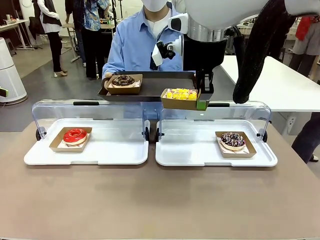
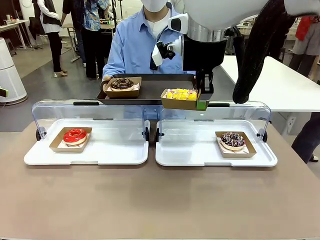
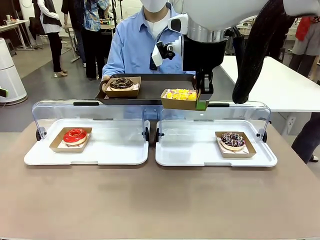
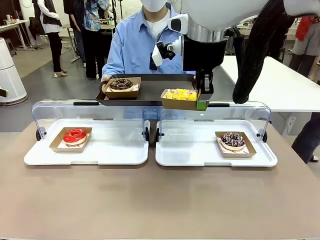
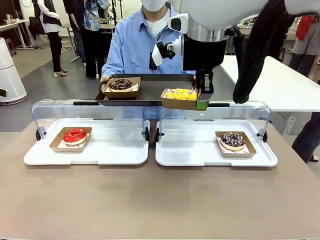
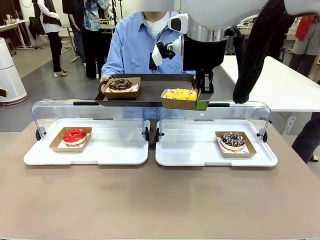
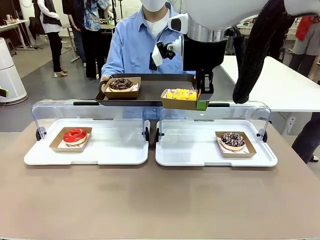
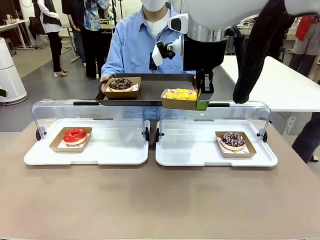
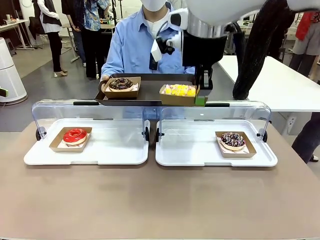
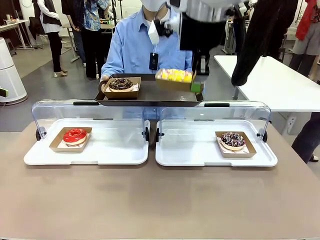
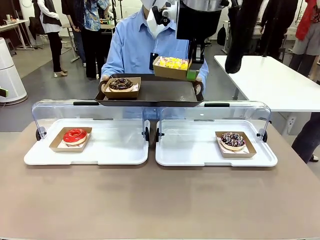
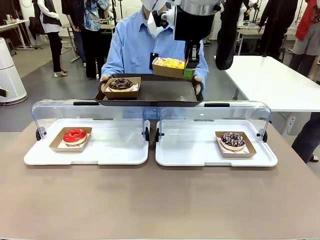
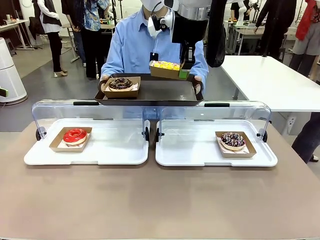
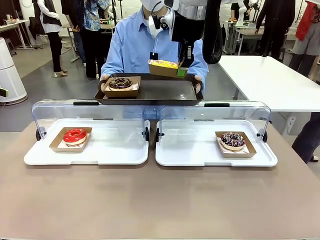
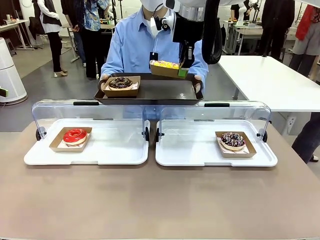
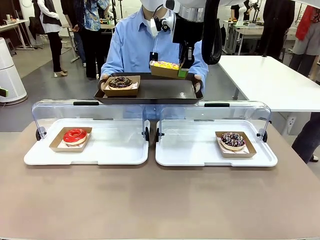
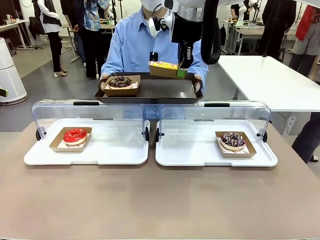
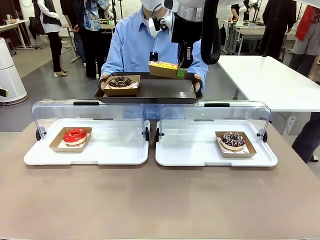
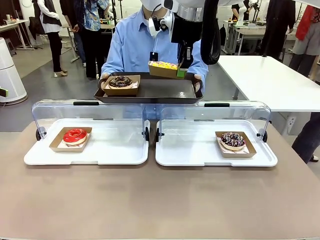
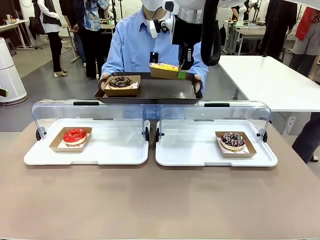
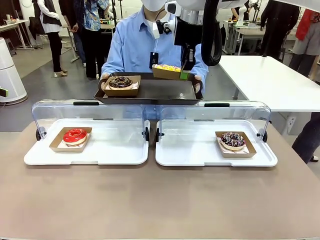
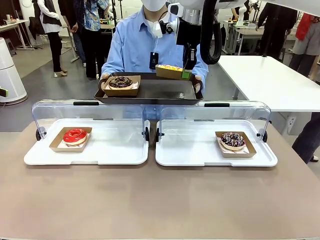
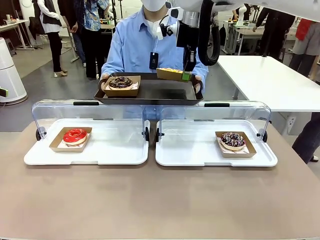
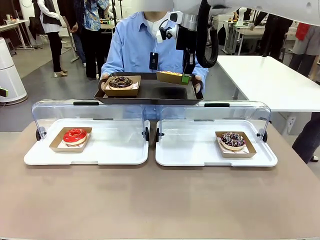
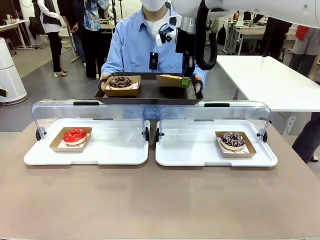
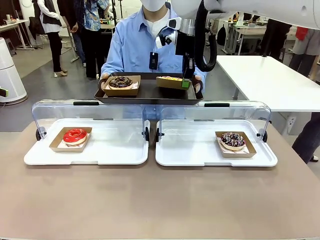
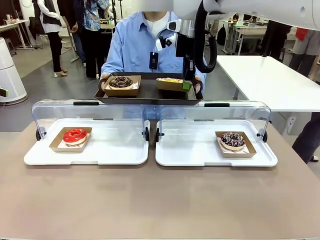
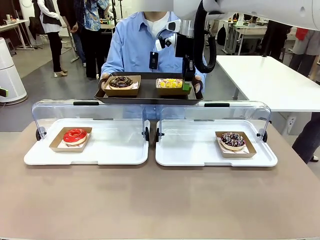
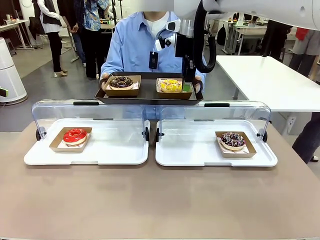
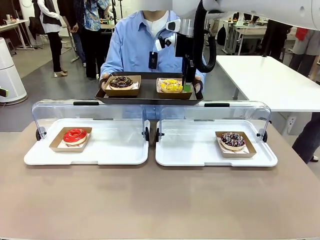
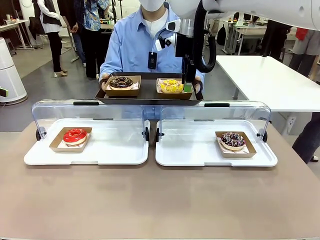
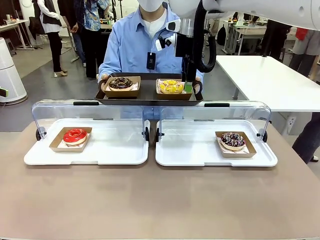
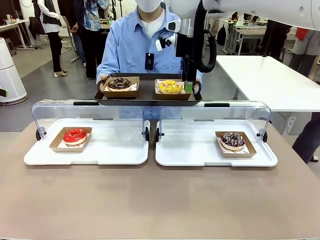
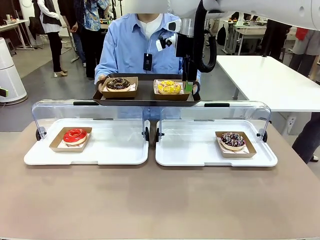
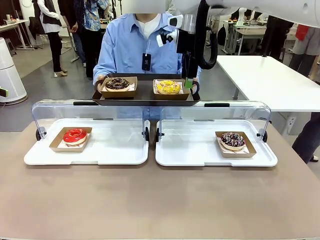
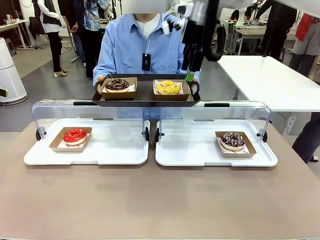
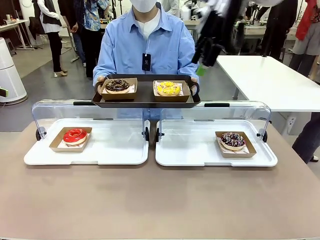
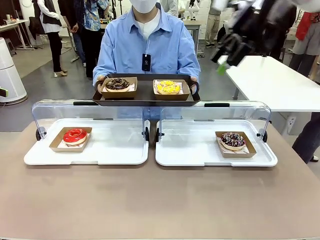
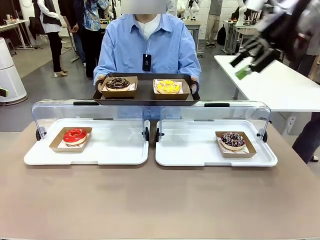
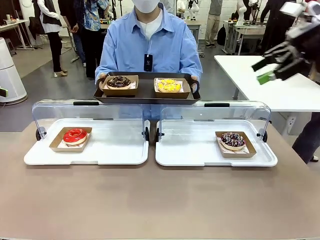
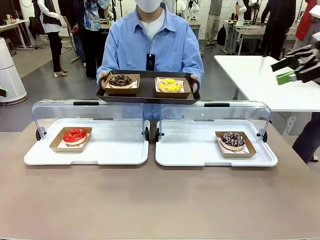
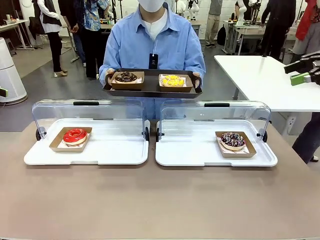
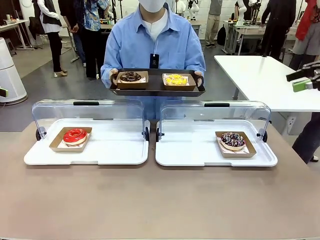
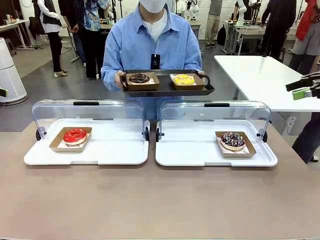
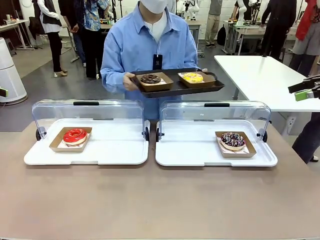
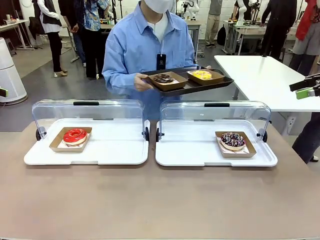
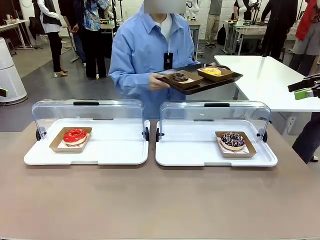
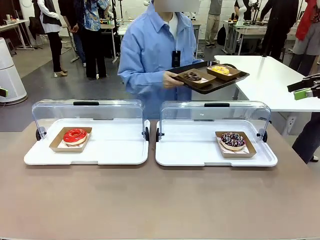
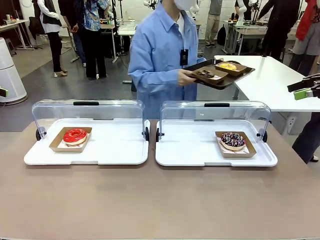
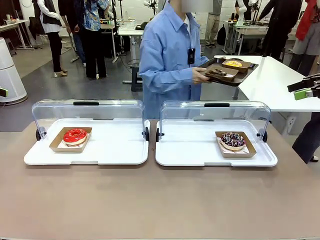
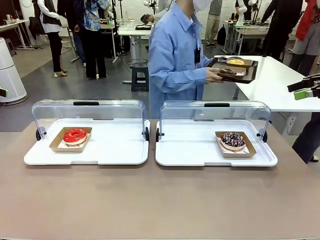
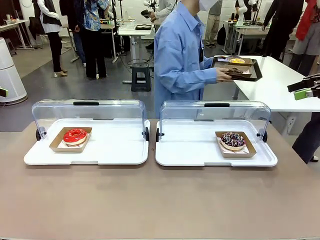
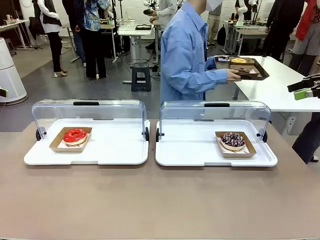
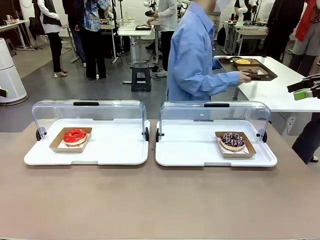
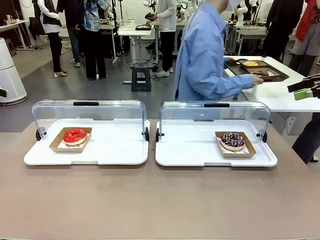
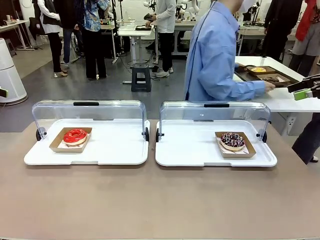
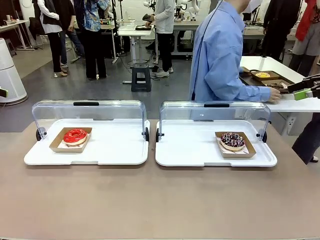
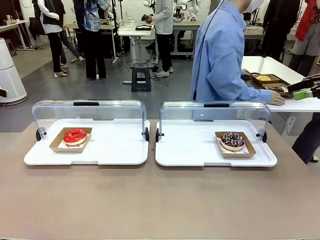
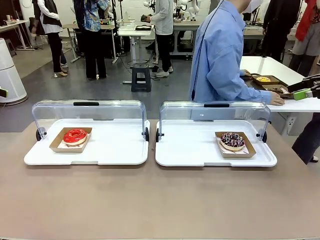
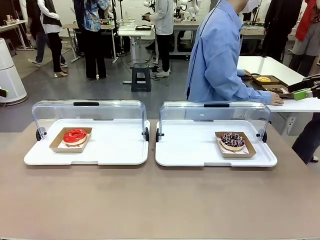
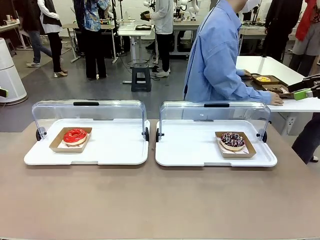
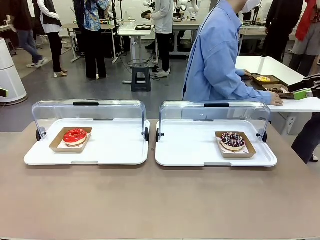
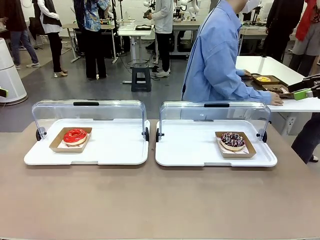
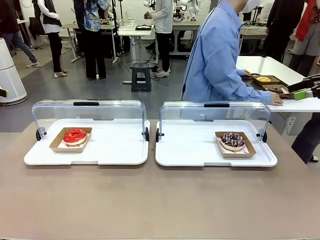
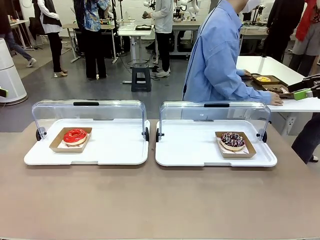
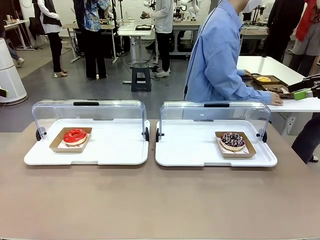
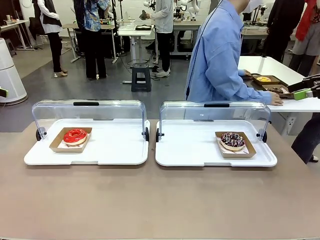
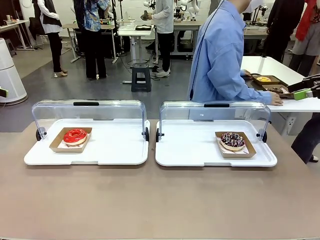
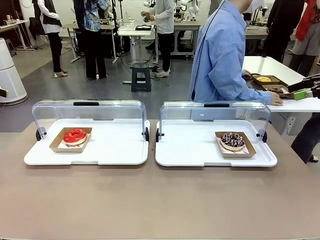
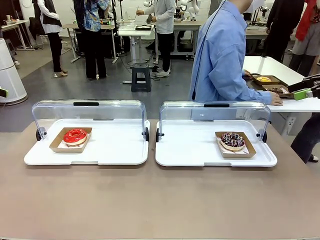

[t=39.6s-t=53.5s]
Task: Provide the desired donut to the person.
Robot: Place the picked Paper togo box onto the Handle tray extended by the person.
Person: Place the tray in the middle of the human table.

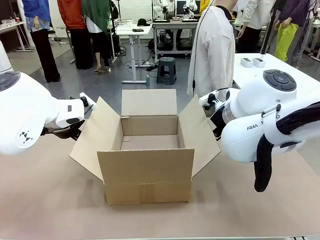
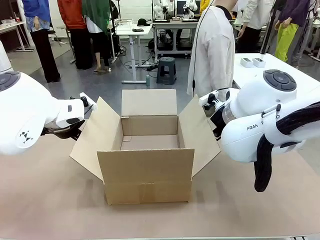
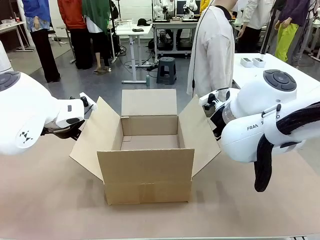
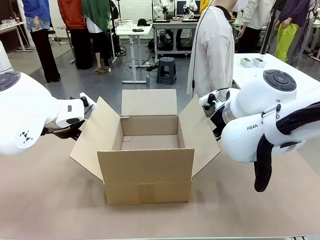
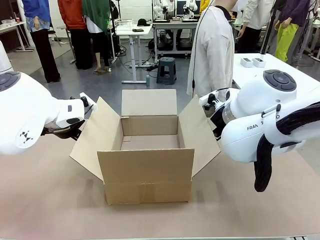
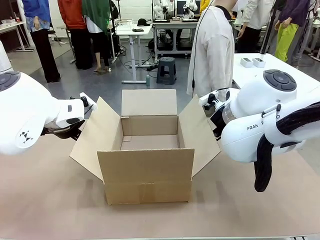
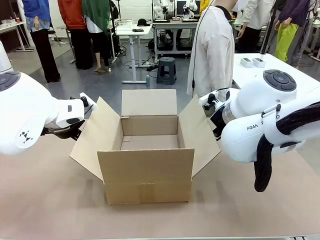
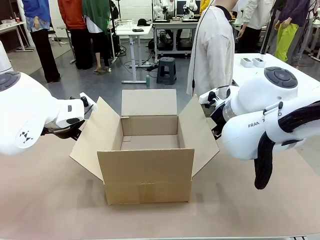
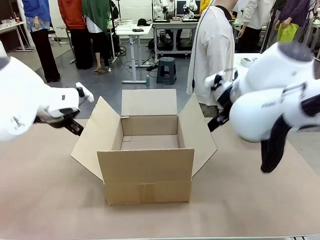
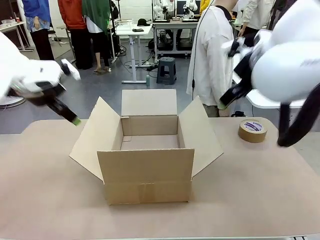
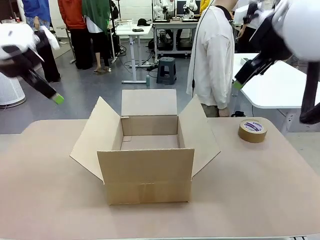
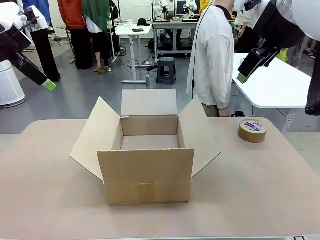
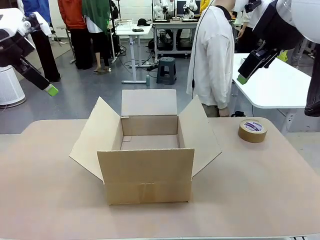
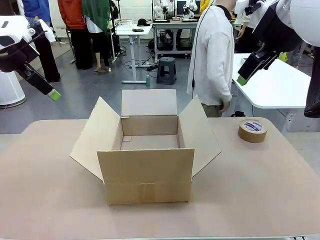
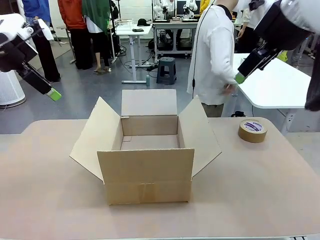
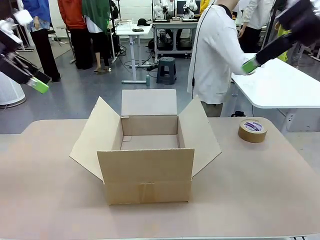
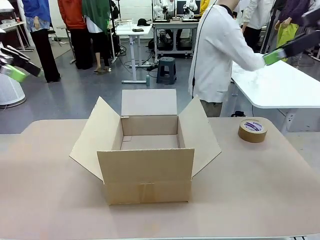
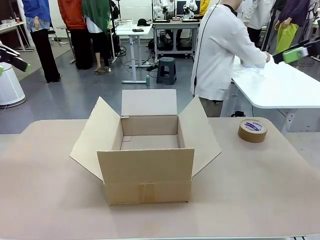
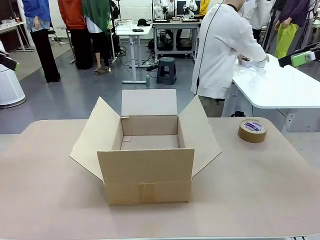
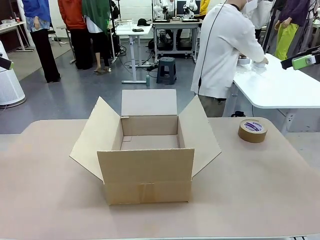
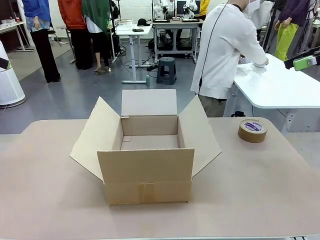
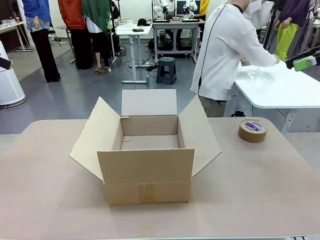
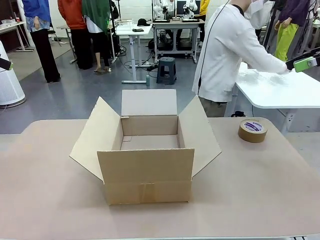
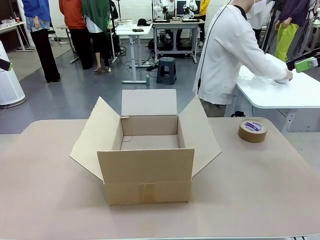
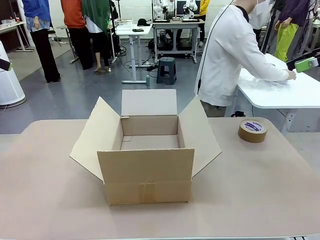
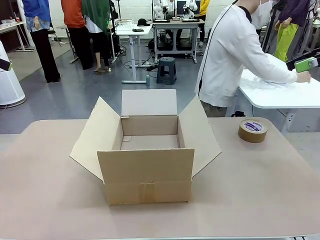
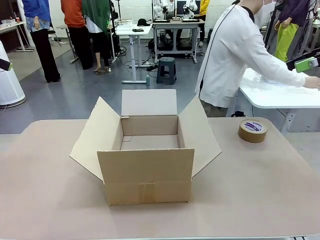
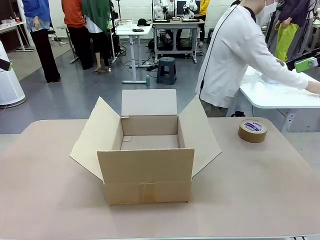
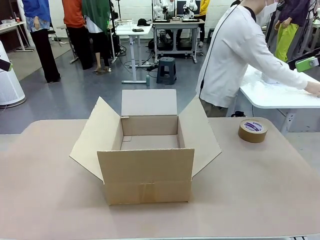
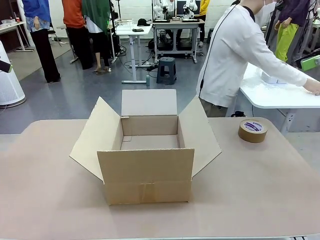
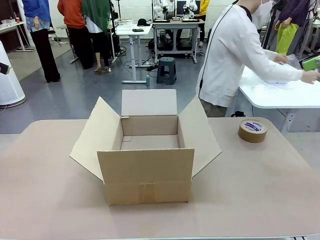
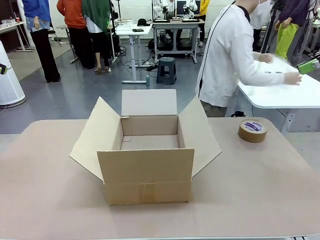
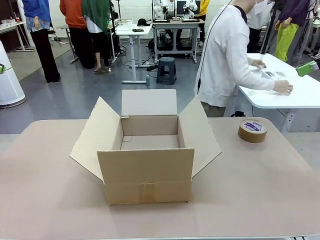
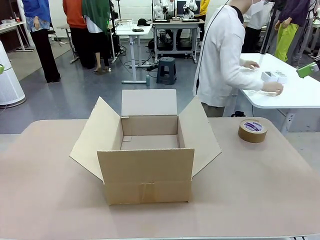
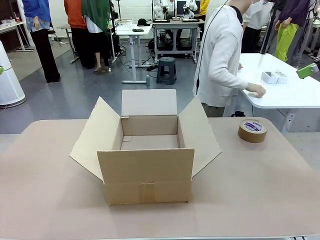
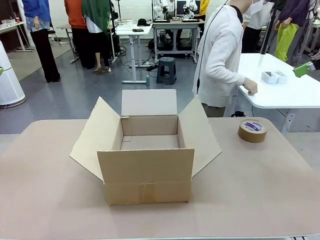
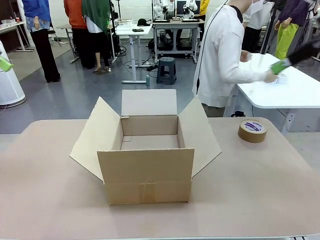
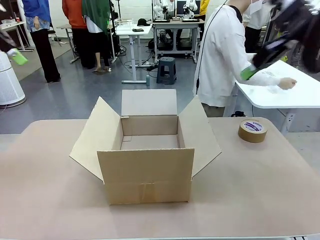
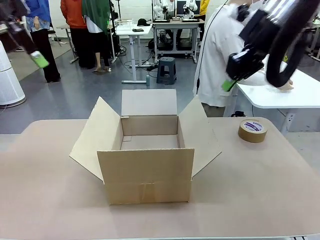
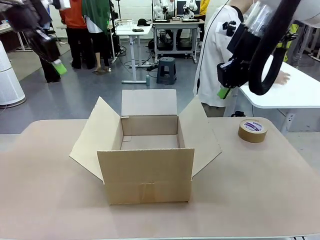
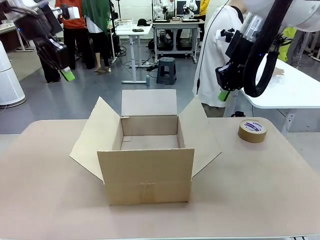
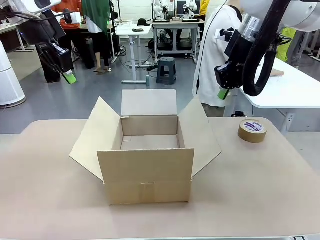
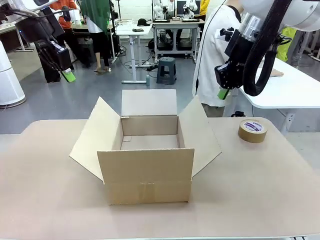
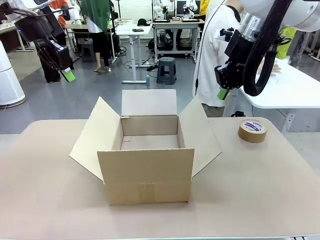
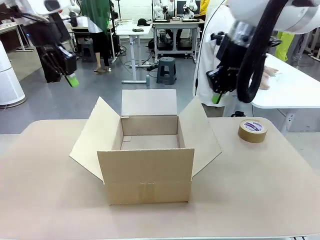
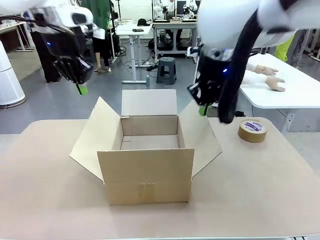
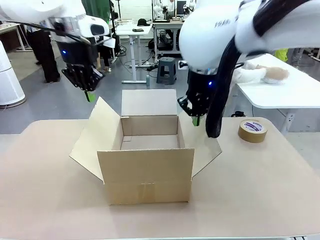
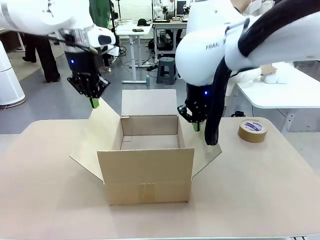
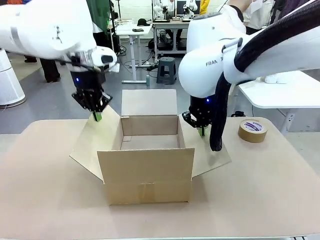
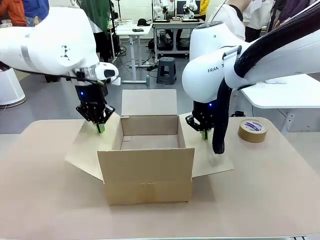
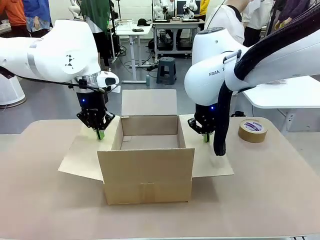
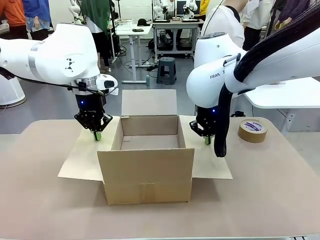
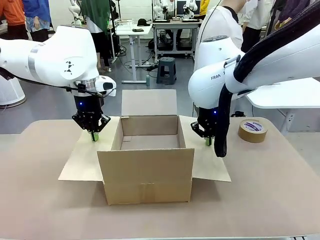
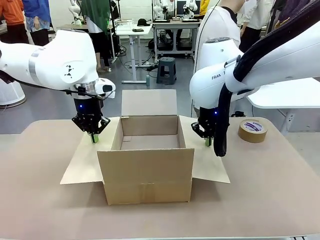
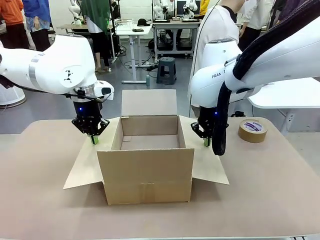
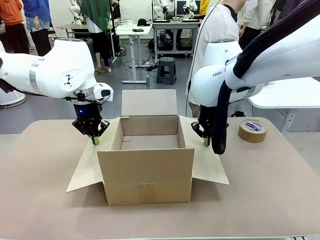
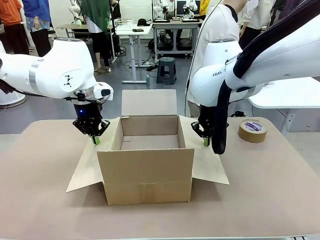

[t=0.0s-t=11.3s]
Task: Wrap the clocks to prevent damage.
Robot: Open the side flaps of the Package Box.
Person: Wrap the two Digital clocks with Bubble Wrap.
